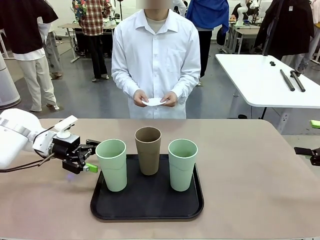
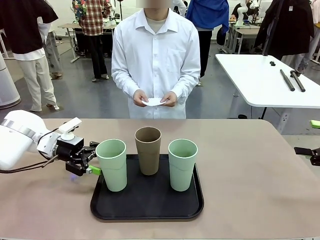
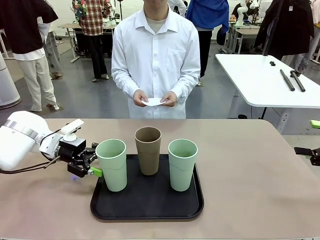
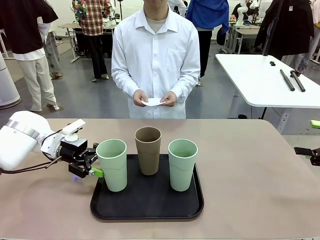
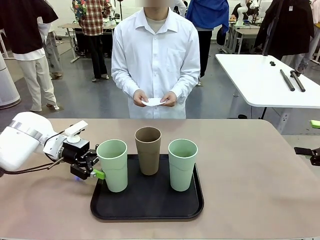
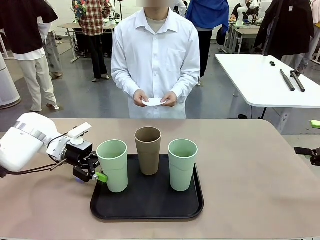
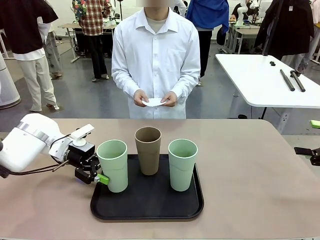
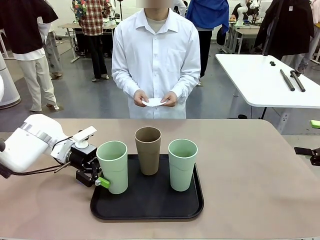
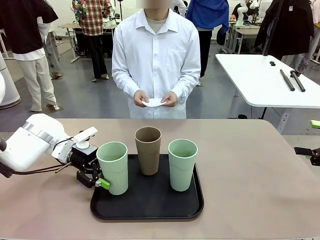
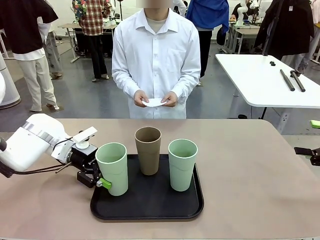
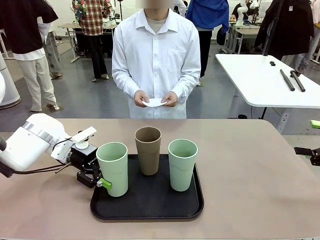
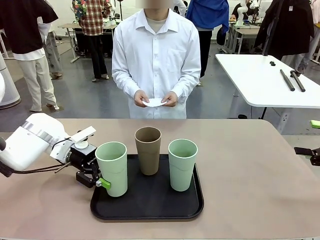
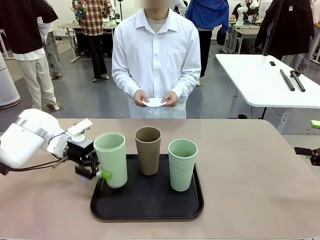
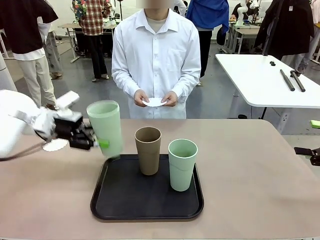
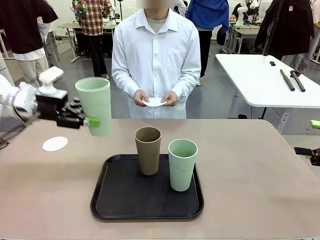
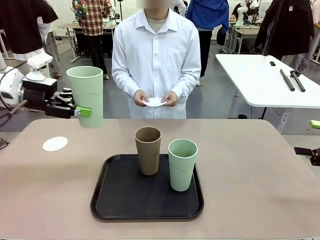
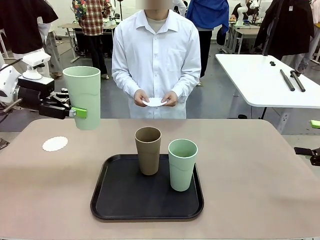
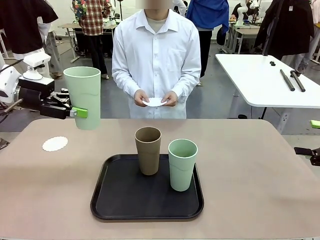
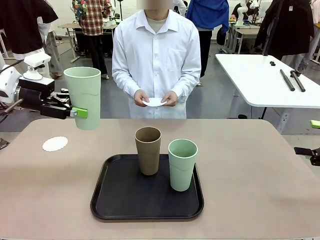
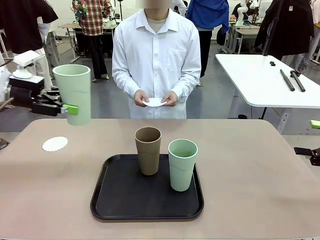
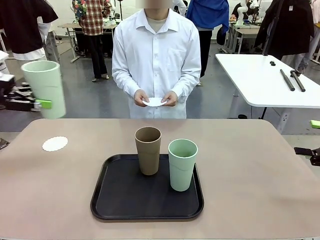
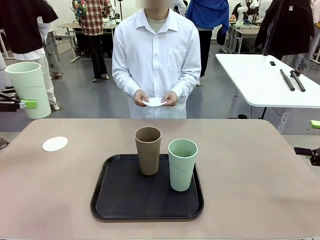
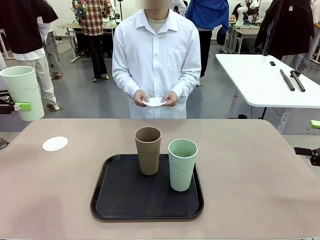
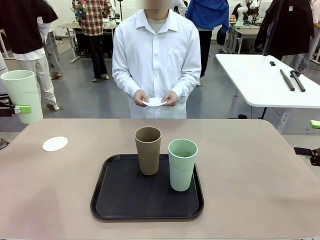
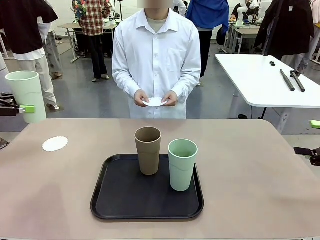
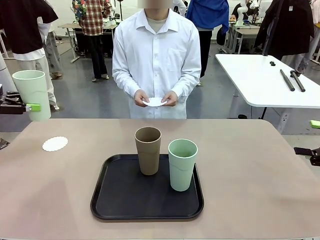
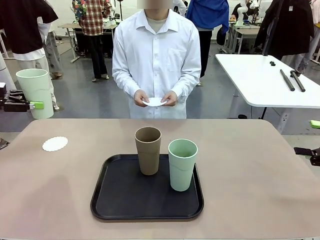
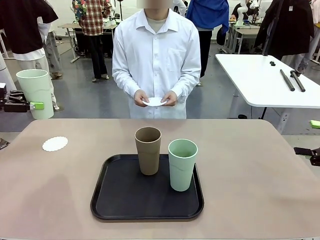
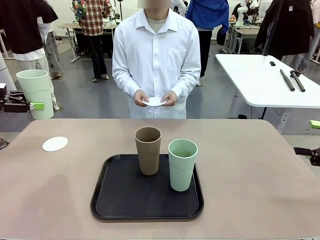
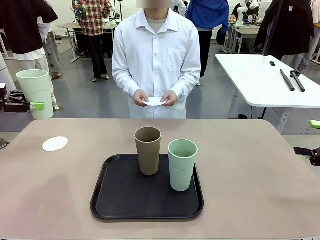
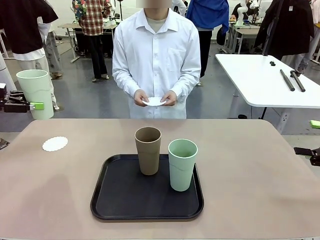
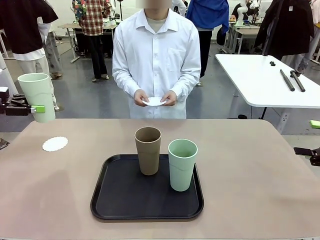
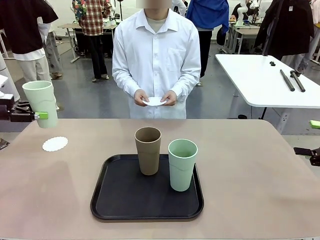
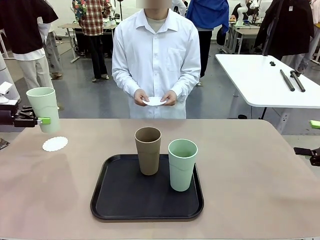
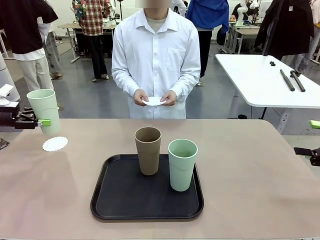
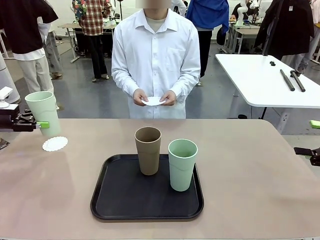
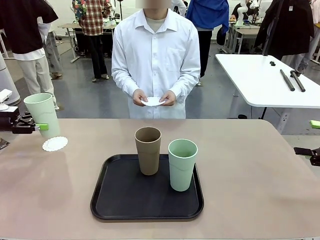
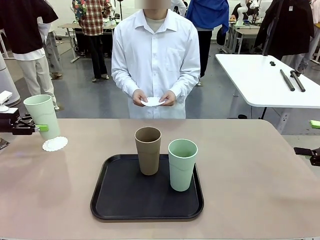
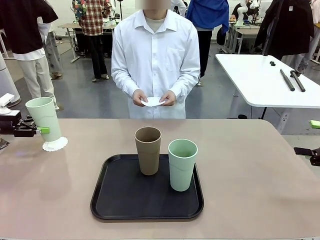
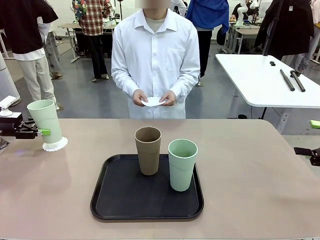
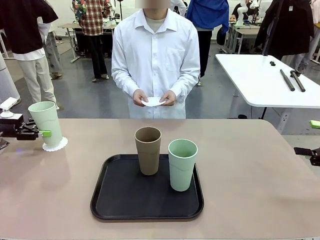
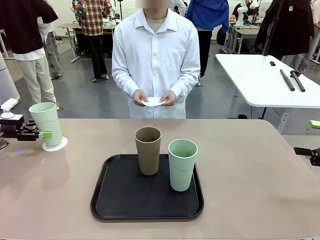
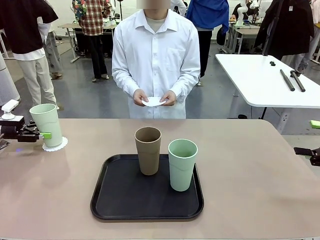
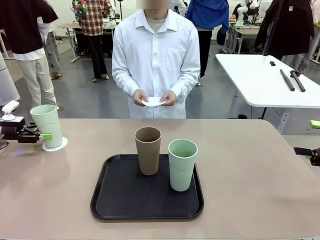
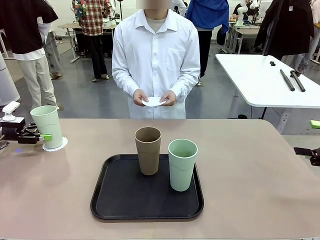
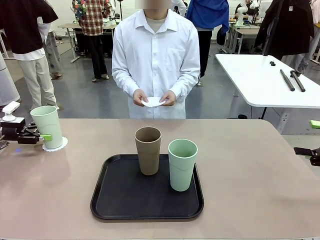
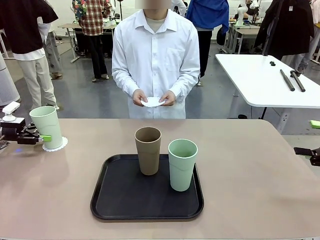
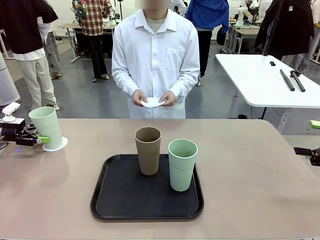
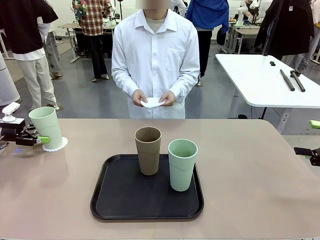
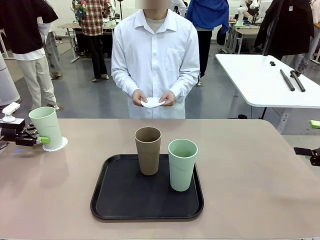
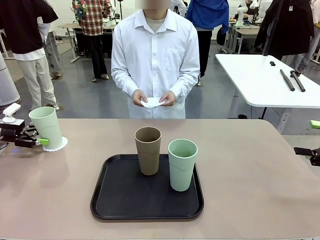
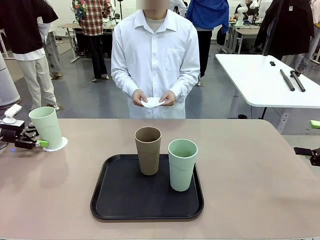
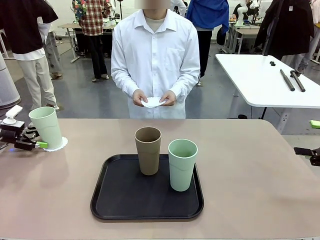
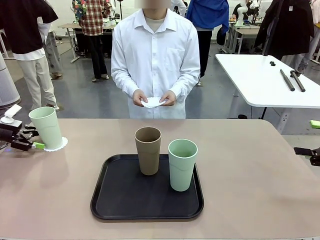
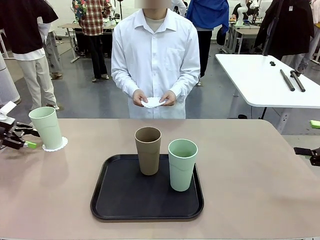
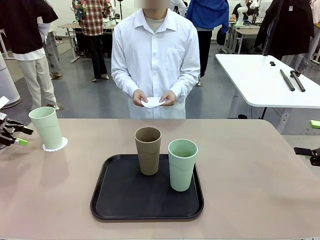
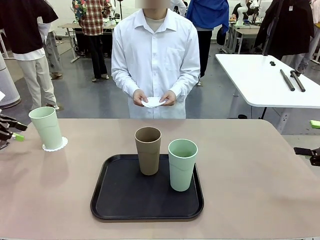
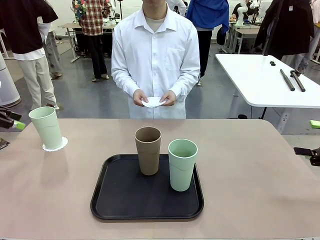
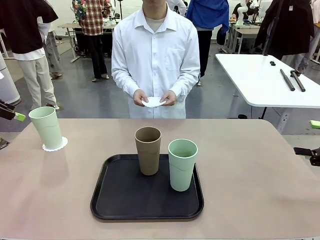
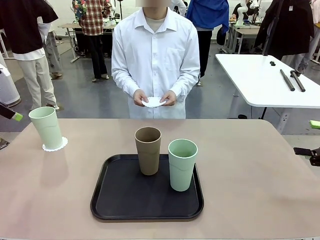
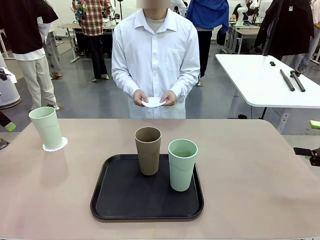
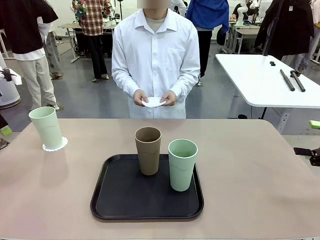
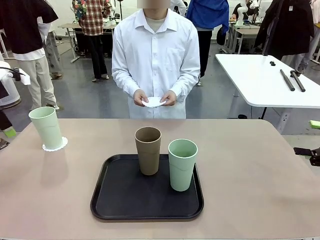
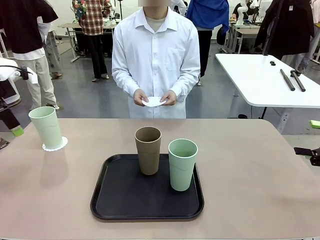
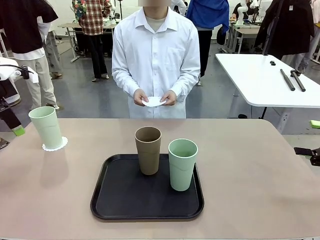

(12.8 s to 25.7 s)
Task: Place coasters on the table and set cups on them.
Robot: Pick up one Reusable plastic cup and place it on a coaster set by the human.
Person: Place one coaster in one of the two areas excluding the previously selected area.
